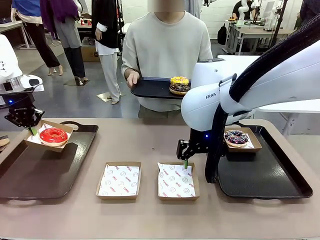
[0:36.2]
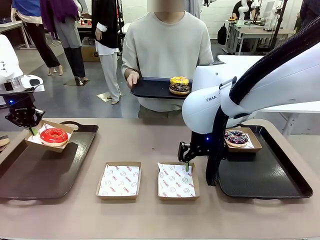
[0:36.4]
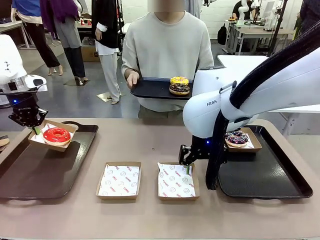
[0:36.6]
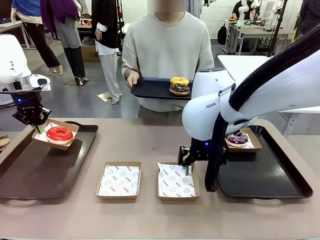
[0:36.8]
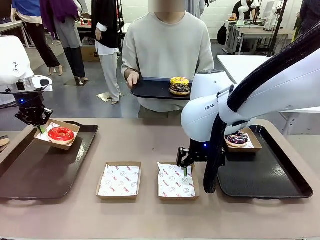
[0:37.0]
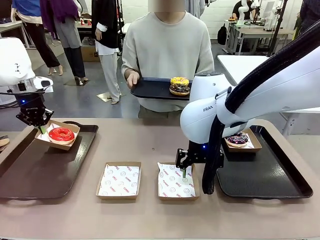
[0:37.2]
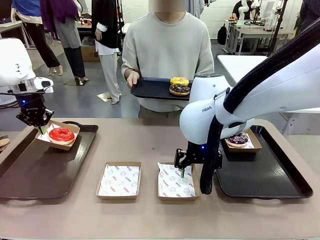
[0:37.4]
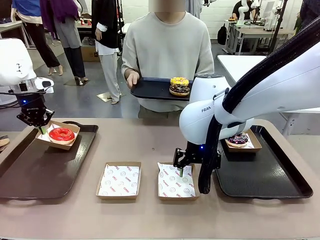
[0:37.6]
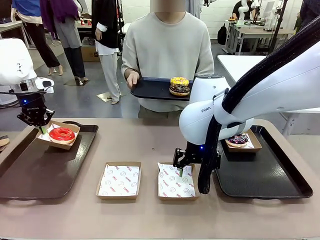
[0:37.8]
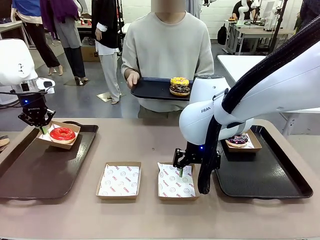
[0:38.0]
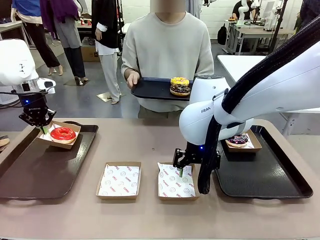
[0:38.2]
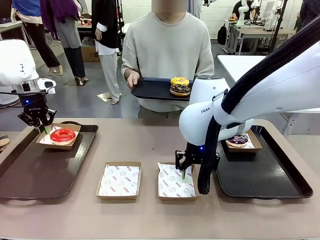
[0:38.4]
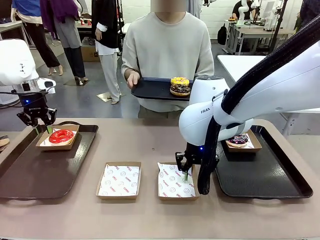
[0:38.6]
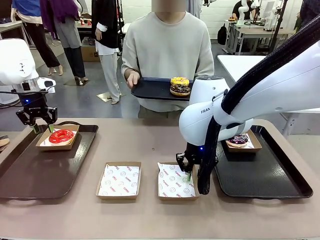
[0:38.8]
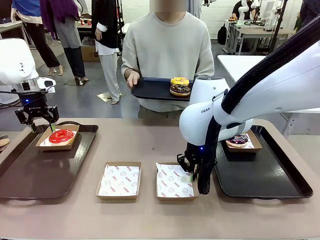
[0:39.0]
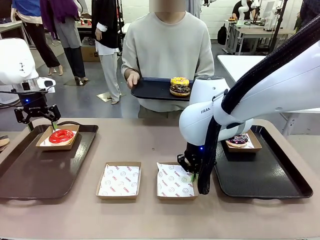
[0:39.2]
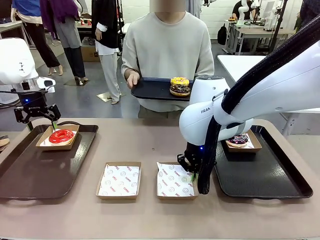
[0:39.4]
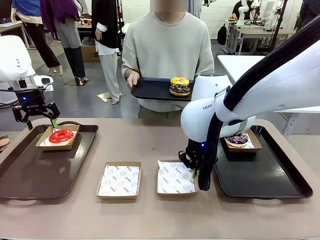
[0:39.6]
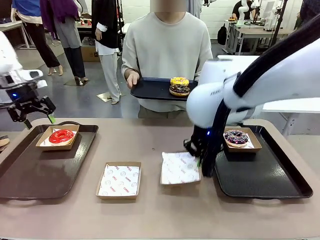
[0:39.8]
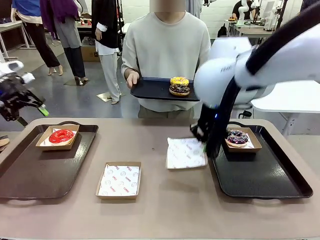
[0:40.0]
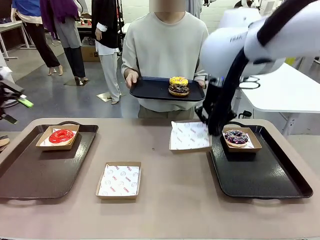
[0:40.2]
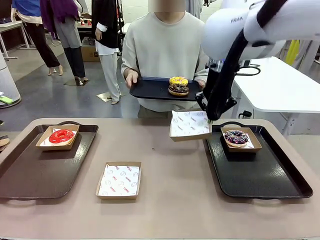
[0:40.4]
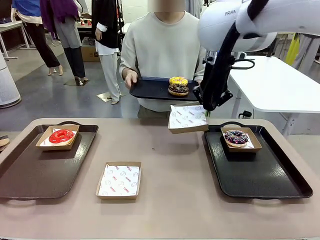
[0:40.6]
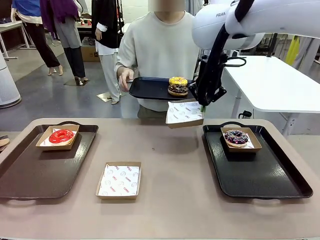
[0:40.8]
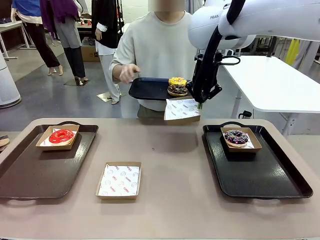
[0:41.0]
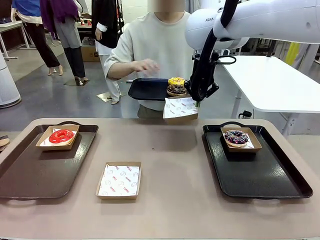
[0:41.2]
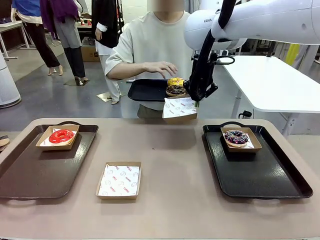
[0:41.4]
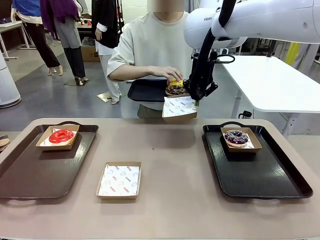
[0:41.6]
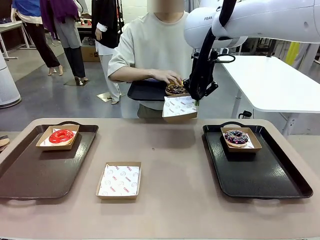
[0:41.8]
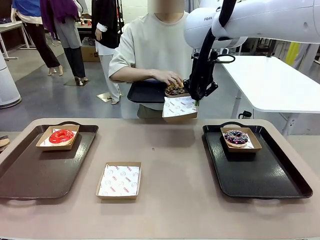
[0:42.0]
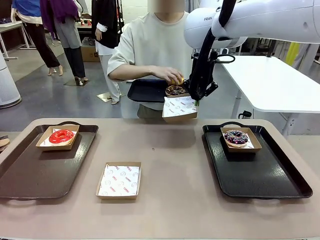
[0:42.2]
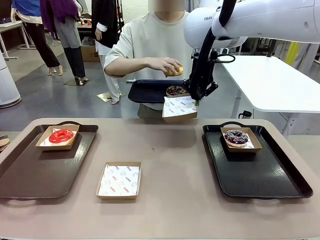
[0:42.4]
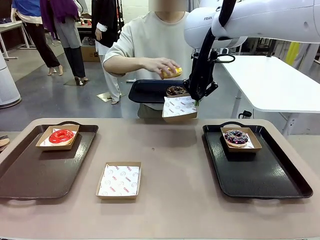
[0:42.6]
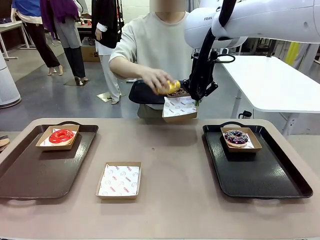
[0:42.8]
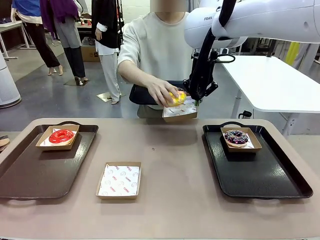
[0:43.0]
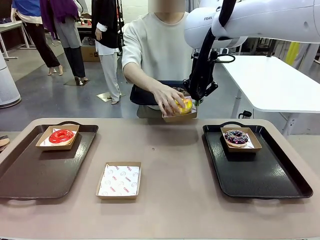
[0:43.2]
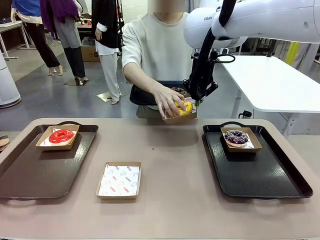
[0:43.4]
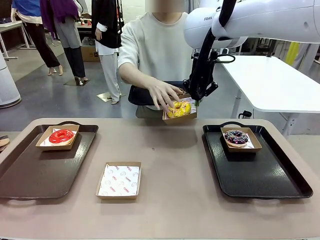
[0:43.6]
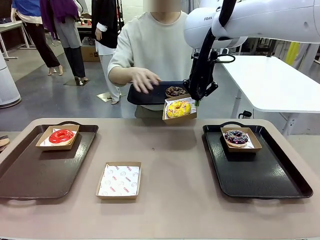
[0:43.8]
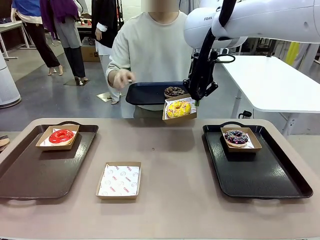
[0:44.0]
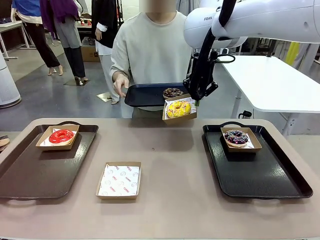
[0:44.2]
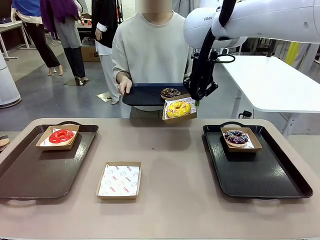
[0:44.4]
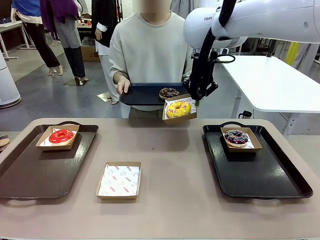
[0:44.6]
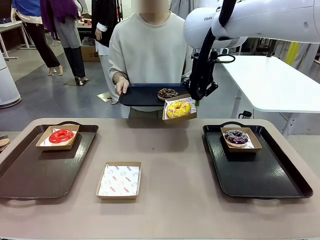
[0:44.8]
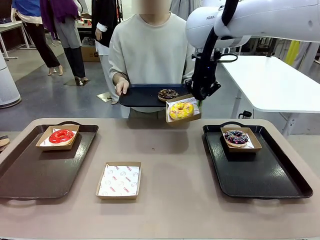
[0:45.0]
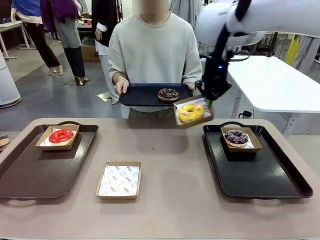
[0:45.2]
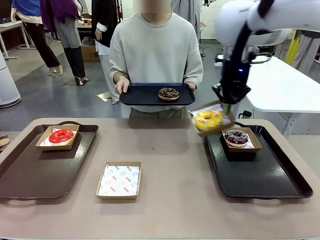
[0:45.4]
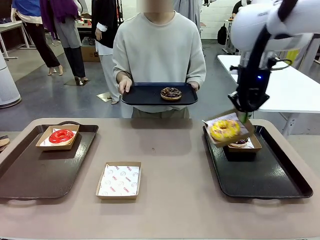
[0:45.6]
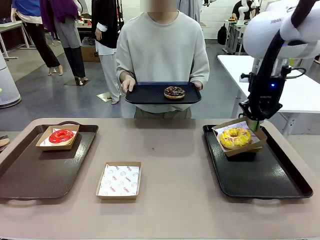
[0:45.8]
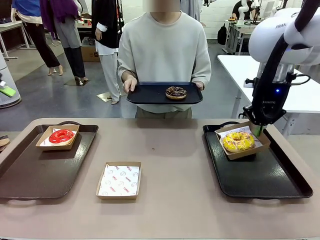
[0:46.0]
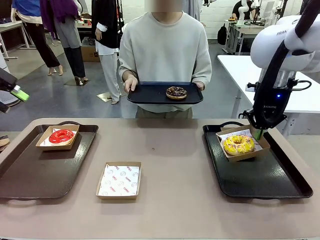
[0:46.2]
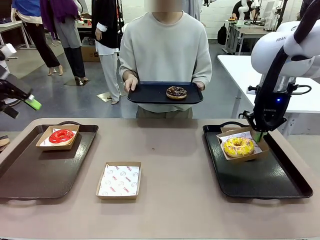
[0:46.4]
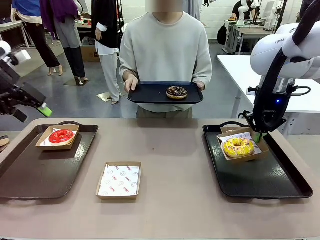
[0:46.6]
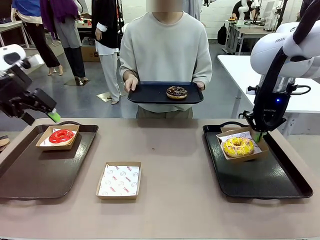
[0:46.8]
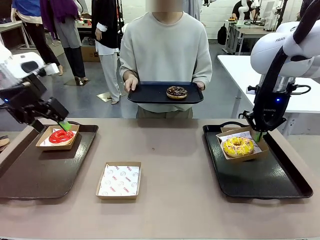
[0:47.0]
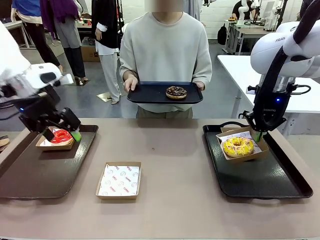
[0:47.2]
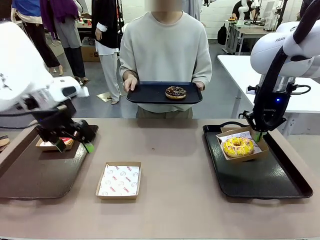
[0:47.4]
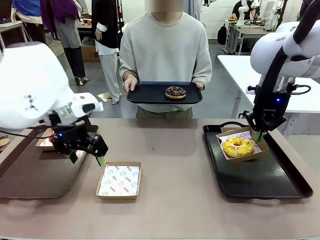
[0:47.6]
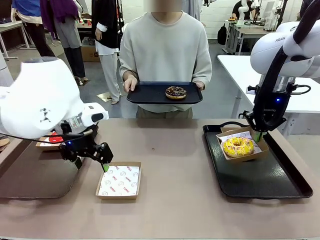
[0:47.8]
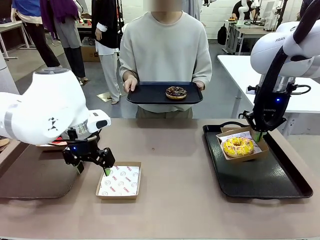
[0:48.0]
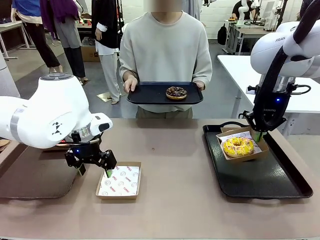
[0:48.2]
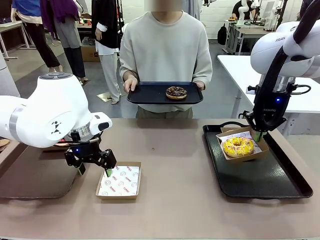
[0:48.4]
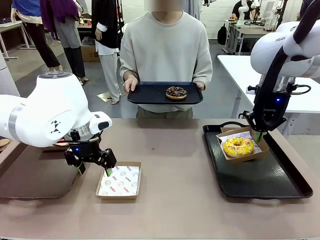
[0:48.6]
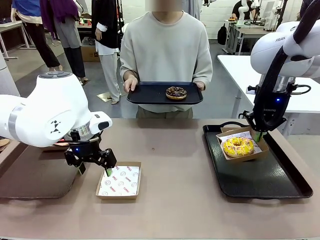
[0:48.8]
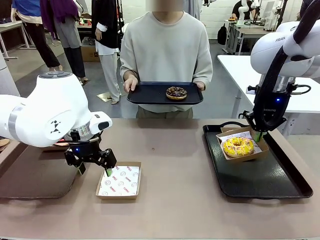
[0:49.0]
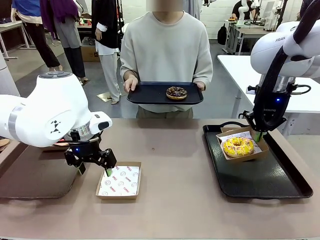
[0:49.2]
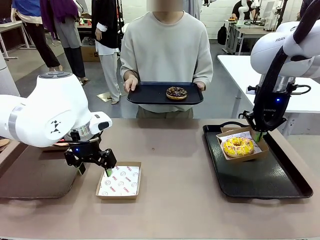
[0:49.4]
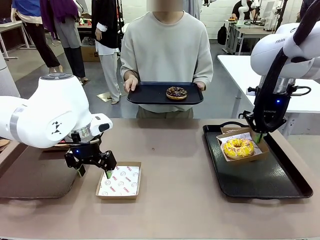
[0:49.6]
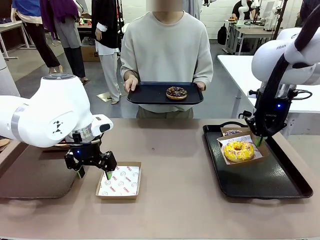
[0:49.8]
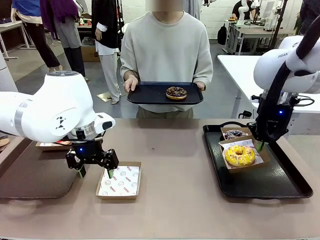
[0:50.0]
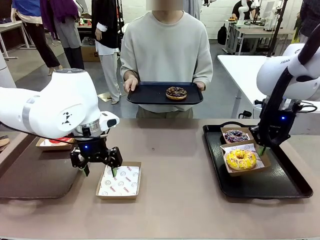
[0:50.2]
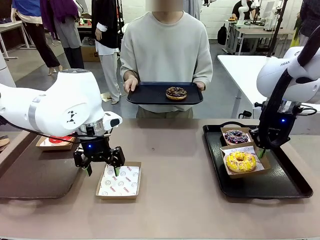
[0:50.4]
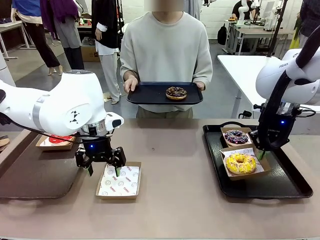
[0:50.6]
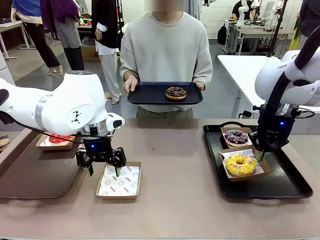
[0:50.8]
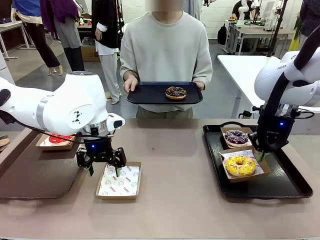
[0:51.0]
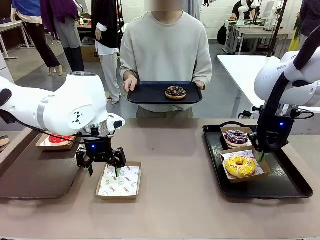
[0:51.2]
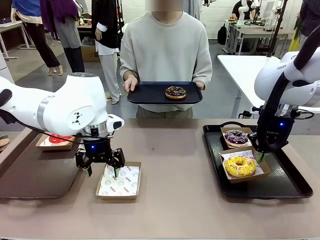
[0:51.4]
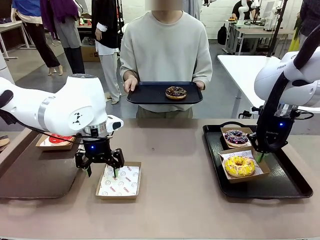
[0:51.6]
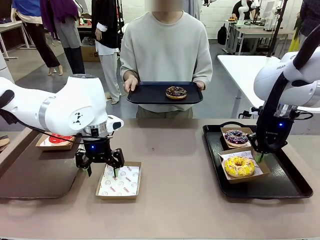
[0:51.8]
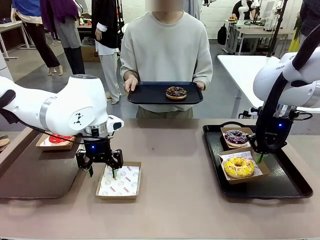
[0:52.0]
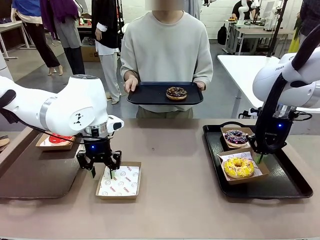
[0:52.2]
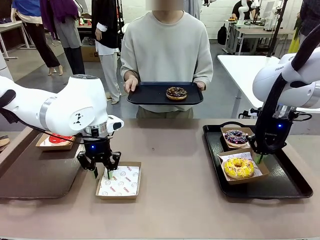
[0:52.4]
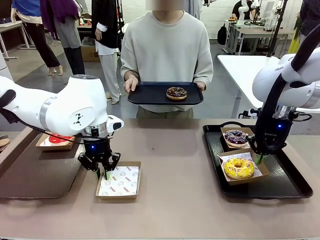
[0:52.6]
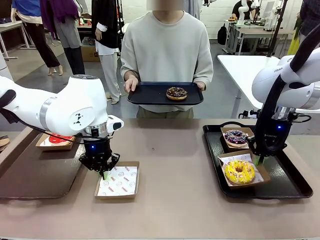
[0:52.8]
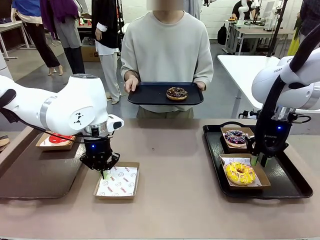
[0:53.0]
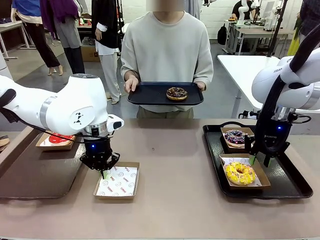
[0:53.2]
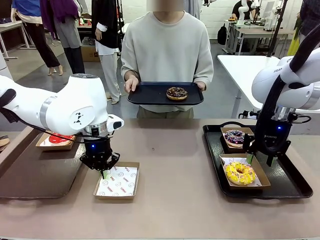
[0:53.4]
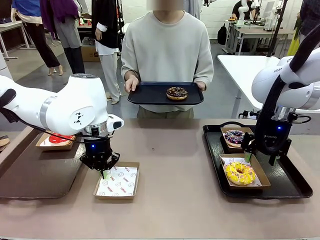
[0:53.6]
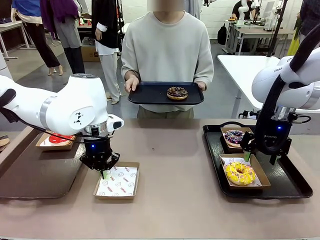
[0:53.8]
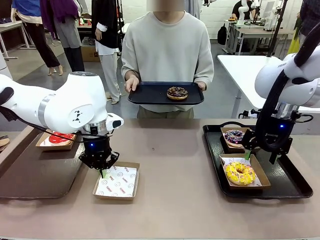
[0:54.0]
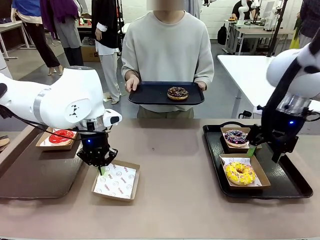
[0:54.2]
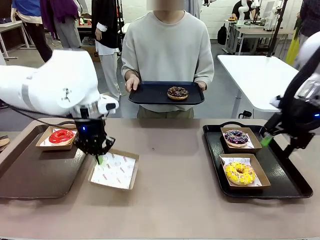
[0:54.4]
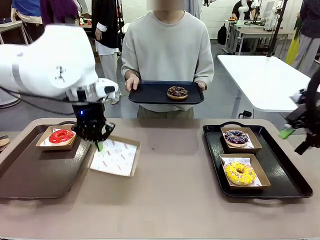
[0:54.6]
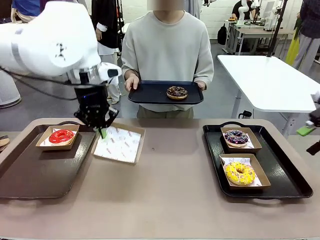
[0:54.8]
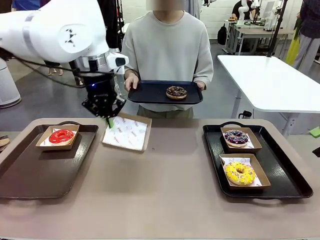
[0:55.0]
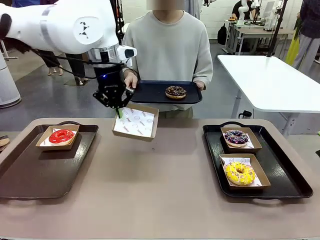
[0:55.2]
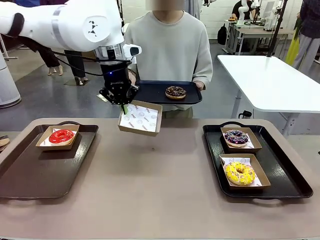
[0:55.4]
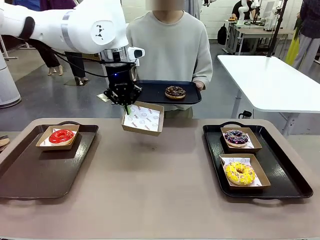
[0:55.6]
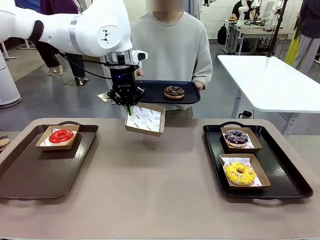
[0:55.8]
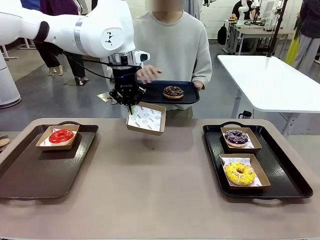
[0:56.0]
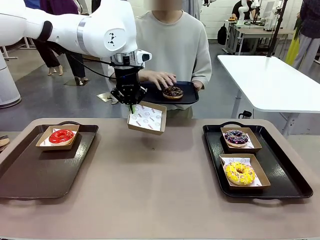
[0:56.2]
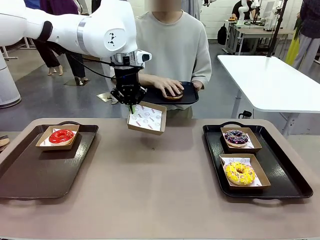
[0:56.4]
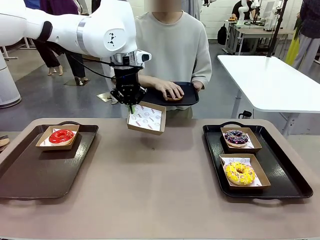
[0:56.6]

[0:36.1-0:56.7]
Task: Individually package the donuts and arrange them on the tray.
Robot: Place the picked Paper togo box on the Handle tray while simultaneously picking up another Paper togo box from the table with the other hand.
